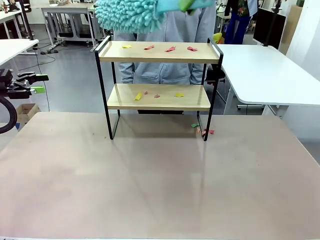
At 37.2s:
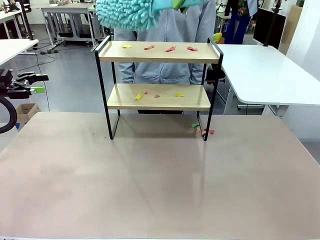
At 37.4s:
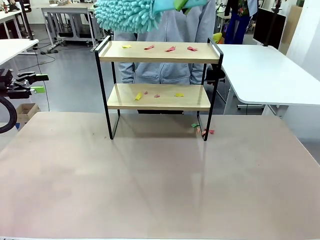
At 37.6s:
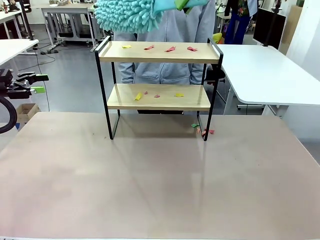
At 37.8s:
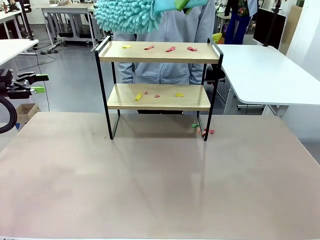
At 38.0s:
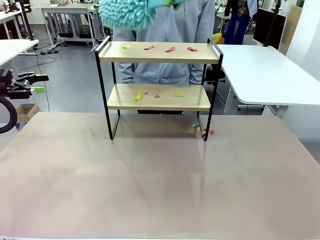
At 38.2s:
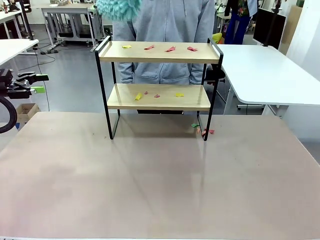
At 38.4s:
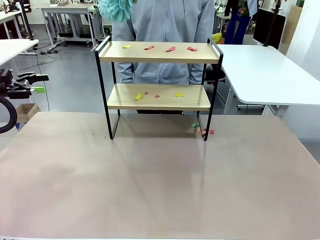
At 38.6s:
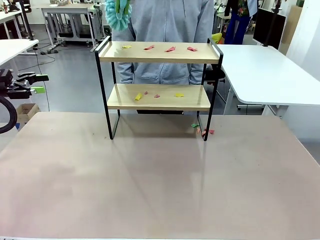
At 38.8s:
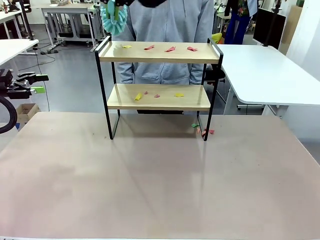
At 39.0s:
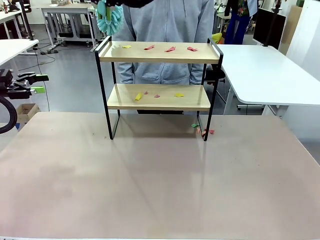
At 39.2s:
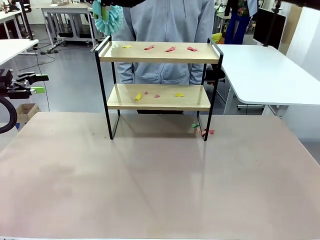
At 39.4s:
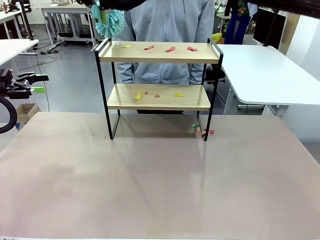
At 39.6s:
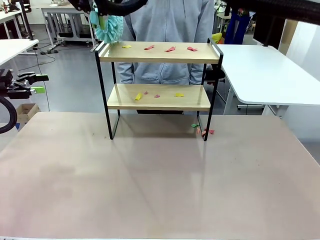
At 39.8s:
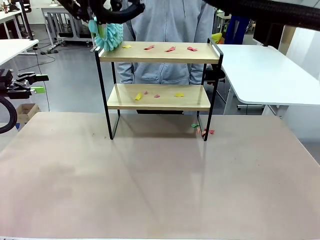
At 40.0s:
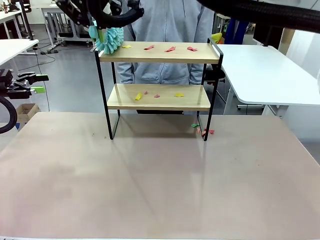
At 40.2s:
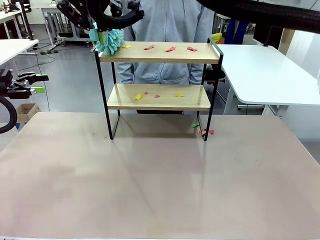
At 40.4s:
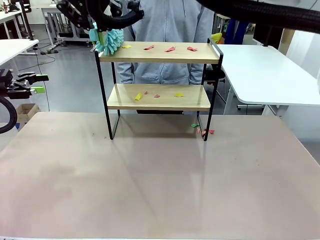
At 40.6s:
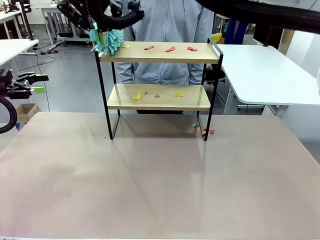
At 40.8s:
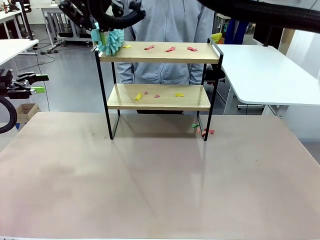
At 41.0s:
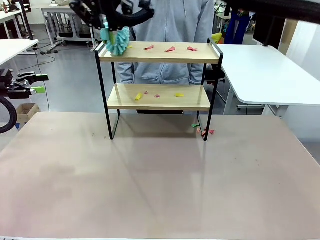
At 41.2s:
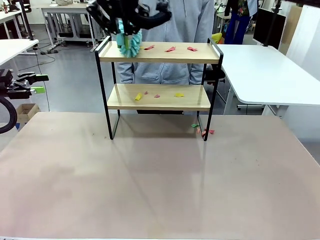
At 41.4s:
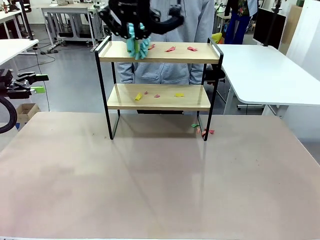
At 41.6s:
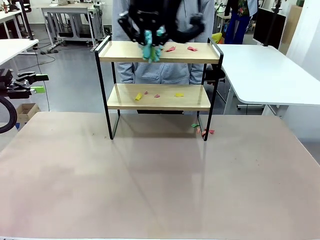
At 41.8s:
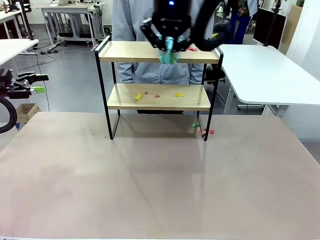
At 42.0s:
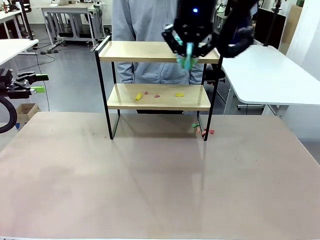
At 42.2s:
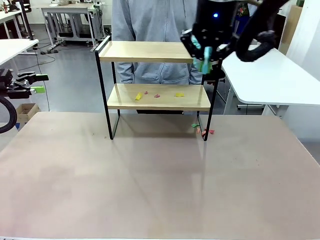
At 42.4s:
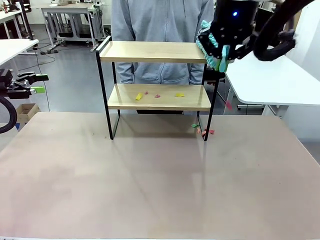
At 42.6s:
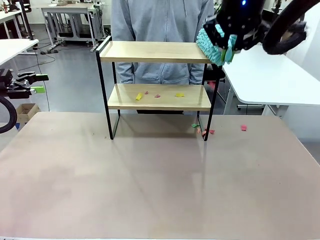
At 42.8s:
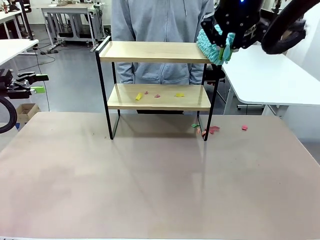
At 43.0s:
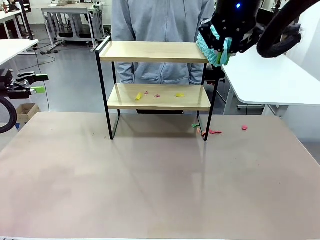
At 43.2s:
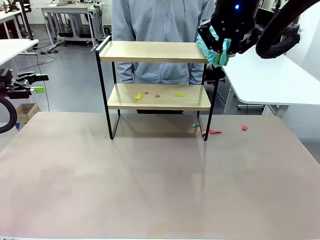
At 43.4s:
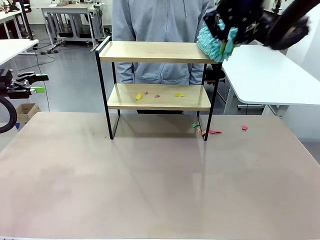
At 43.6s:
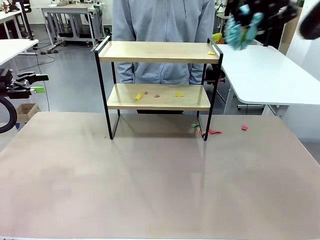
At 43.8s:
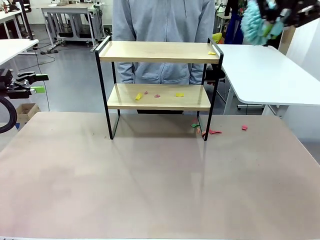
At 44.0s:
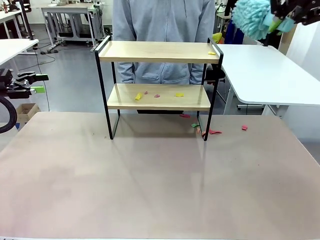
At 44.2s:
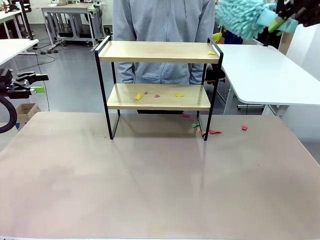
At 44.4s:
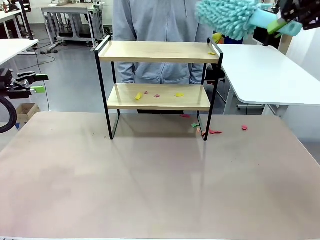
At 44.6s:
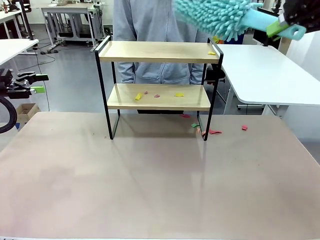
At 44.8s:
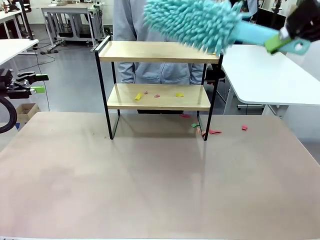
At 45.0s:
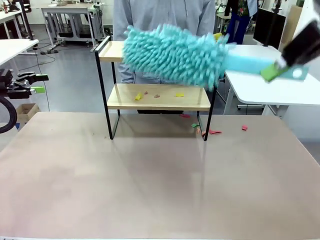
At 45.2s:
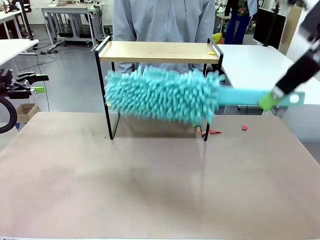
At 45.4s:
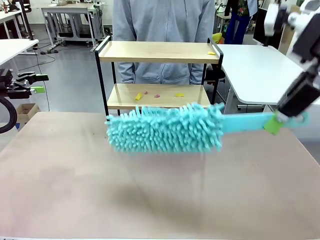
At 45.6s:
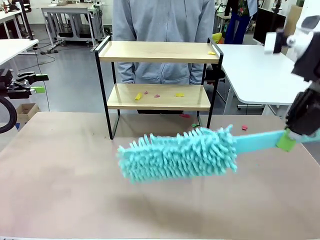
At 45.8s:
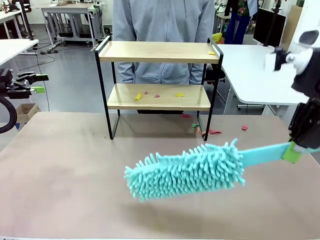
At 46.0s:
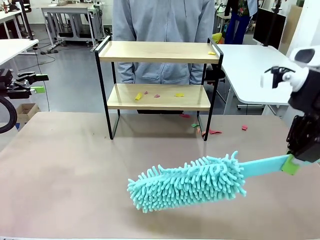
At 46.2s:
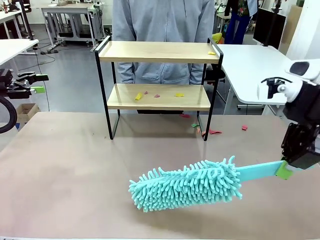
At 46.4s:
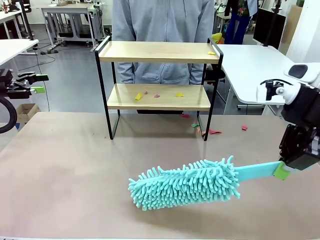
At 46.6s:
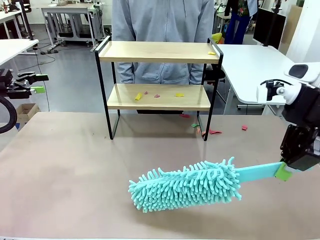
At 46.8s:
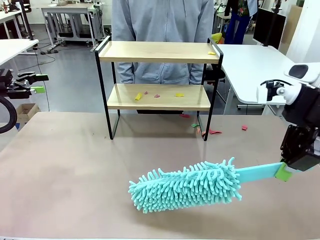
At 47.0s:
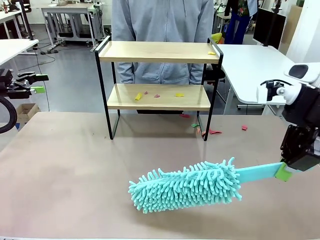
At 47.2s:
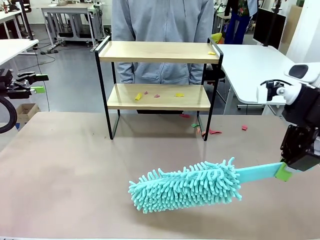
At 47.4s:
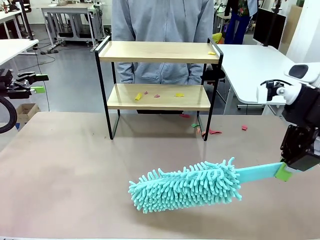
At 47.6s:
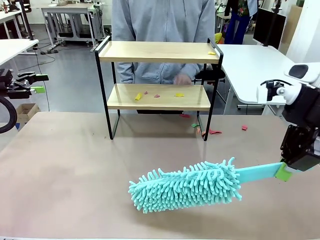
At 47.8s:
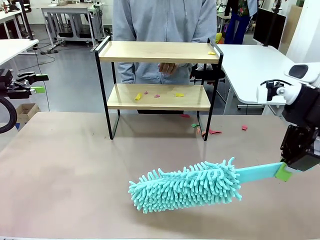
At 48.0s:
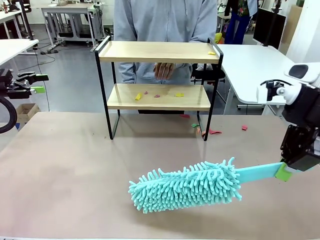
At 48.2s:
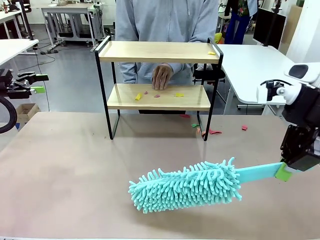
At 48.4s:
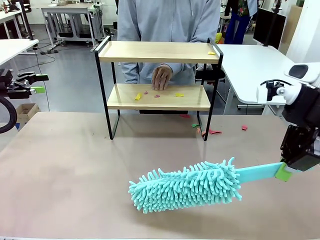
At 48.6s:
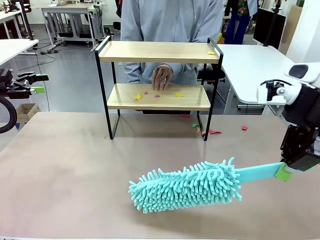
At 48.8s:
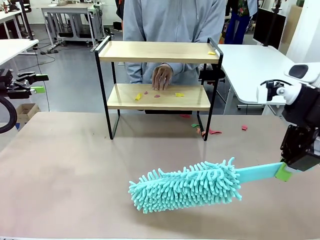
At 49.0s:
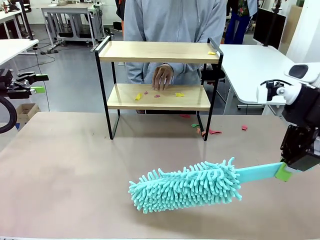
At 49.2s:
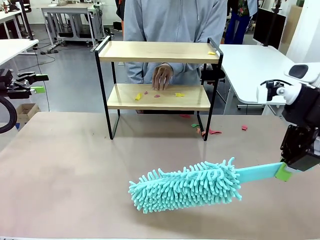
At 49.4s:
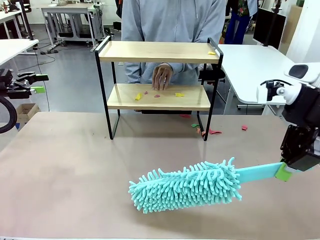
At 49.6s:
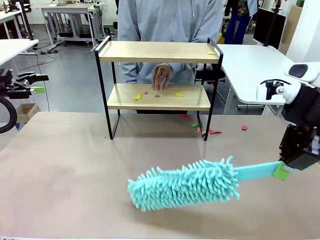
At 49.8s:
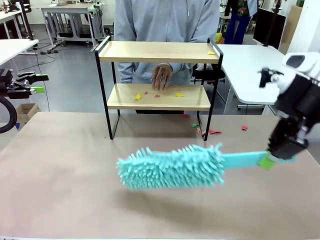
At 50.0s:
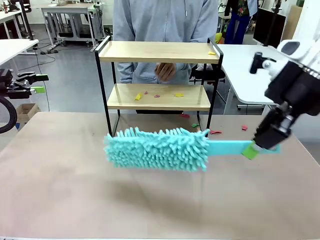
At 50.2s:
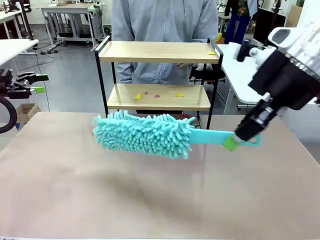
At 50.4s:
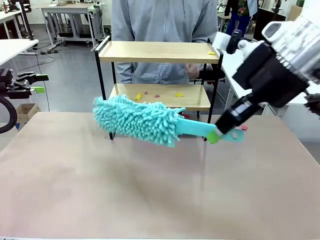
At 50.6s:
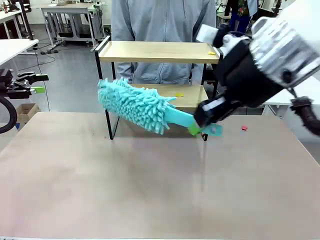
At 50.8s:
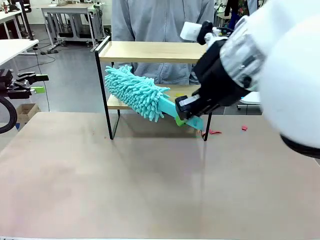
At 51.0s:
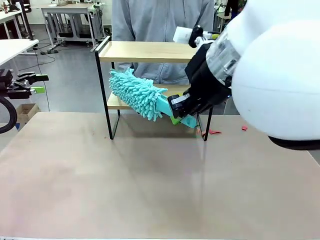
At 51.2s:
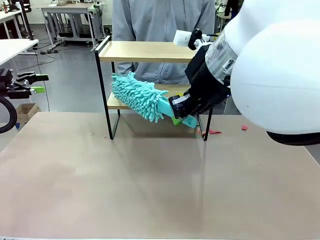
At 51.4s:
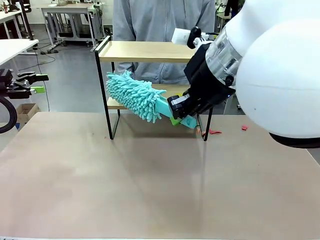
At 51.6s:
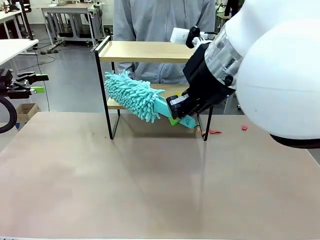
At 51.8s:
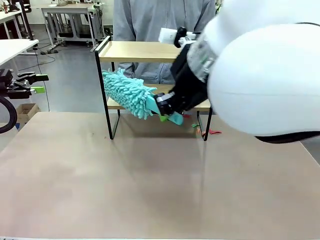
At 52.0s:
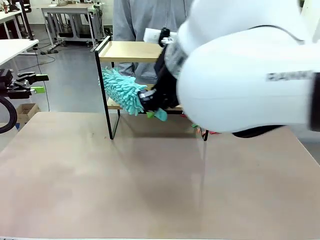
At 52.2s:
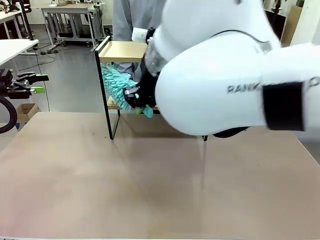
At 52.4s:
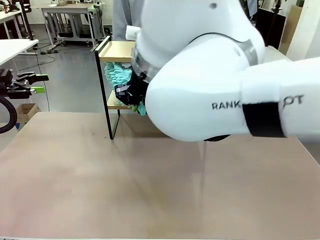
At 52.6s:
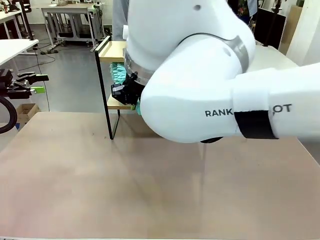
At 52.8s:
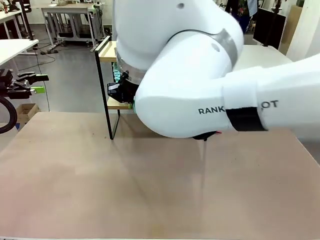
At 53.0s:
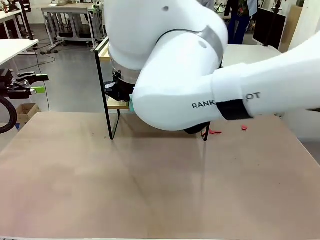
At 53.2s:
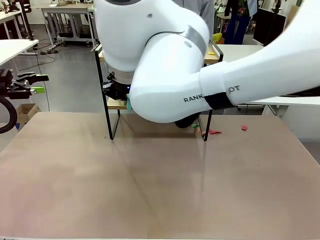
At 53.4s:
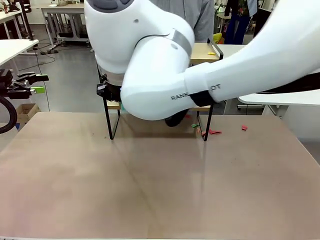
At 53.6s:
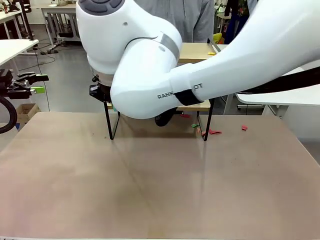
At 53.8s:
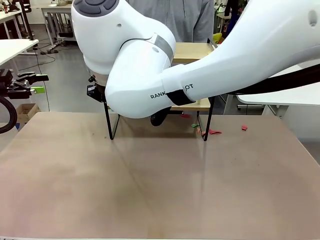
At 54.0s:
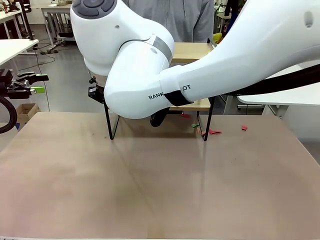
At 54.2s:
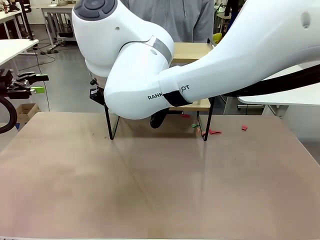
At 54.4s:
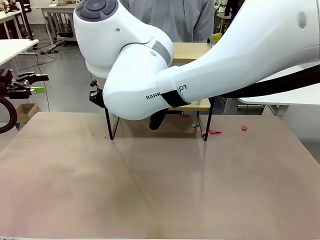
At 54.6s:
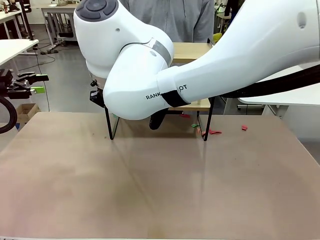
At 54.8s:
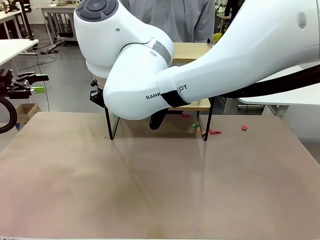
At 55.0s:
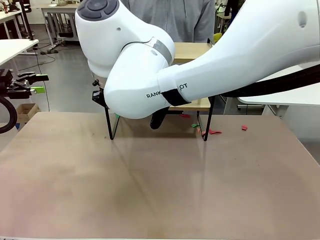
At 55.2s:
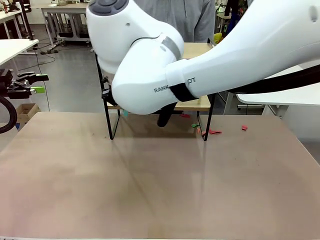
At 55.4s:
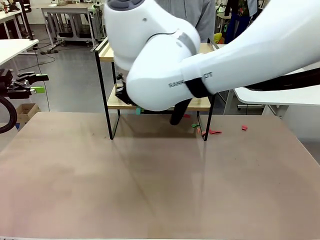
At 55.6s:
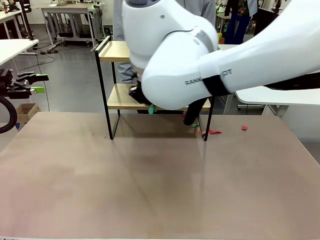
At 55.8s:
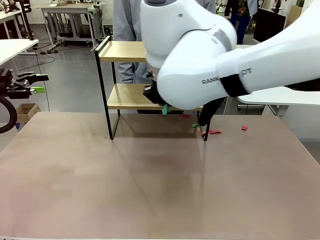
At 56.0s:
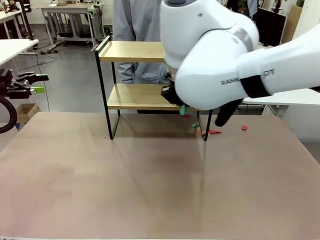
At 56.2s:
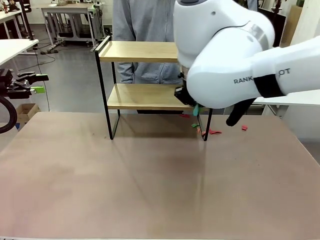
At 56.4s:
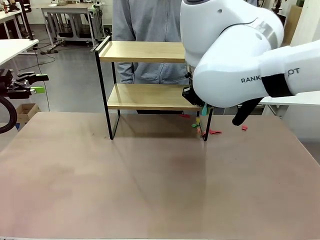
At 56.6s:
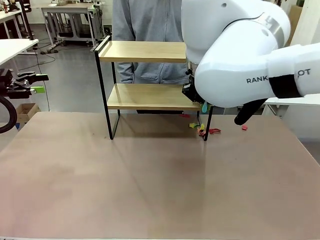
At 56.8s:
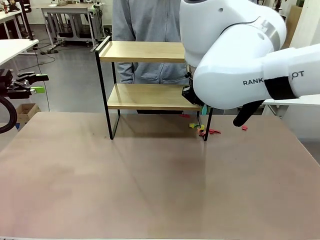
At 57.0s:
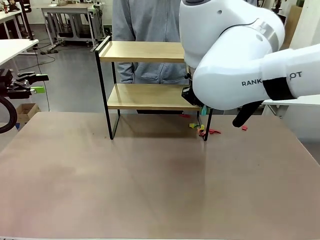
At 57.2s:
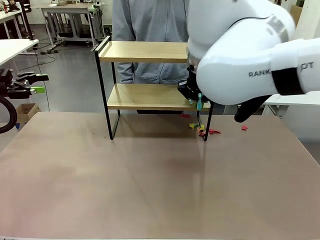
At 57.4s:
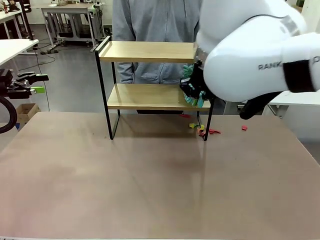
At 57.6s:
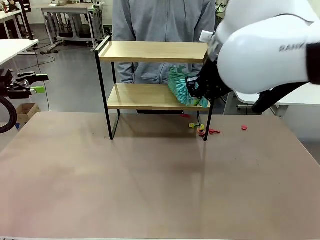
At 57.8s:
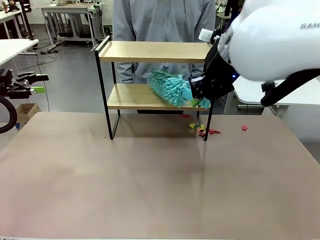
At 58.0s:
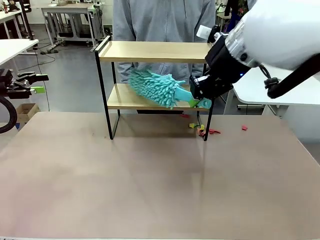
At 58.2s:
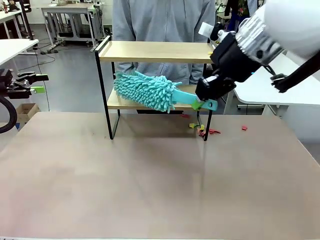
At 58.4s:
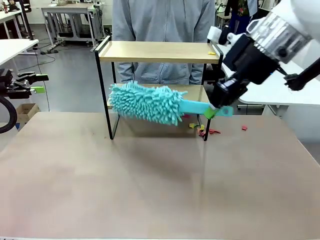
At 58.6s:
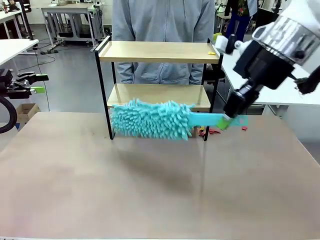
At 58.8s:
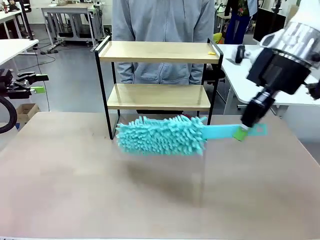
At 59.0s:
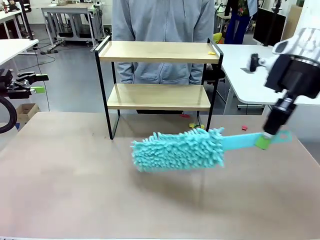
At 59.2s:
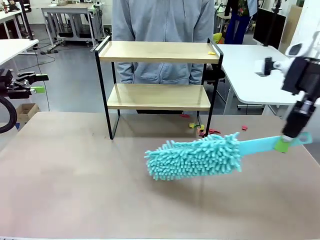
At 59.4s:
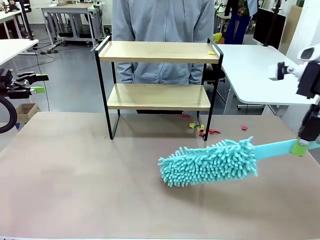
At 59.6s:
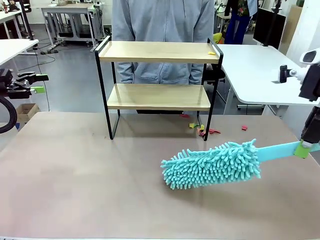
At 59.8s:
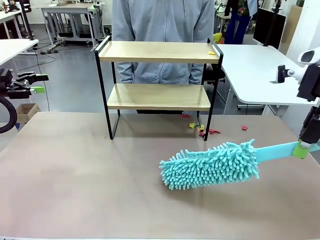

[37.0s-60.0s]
Task: Clean the shelf.
Robot: Clean the specific section of the Shelf indicated by the human with the Duster.
Person: Point a remaining section of the Shelf.
